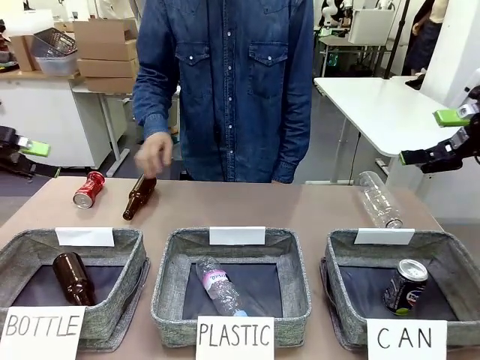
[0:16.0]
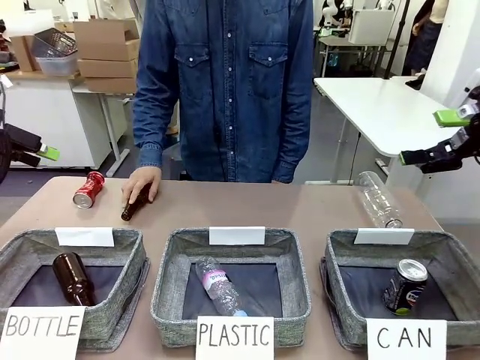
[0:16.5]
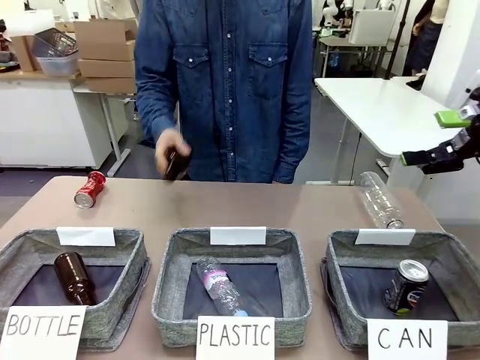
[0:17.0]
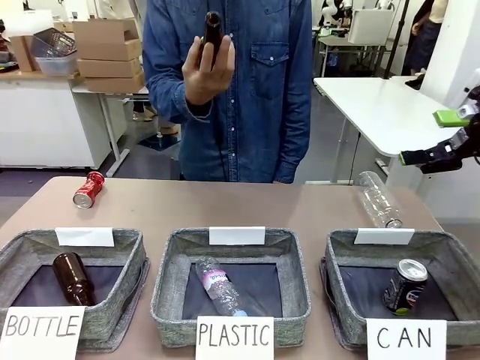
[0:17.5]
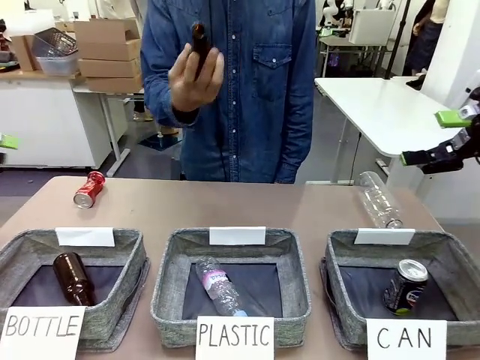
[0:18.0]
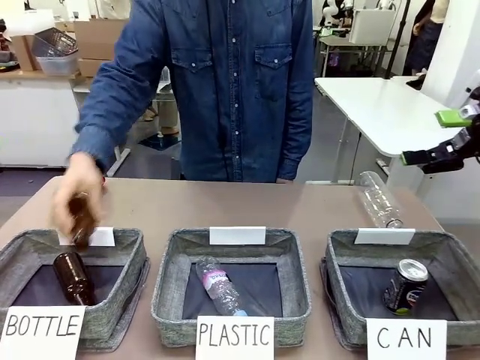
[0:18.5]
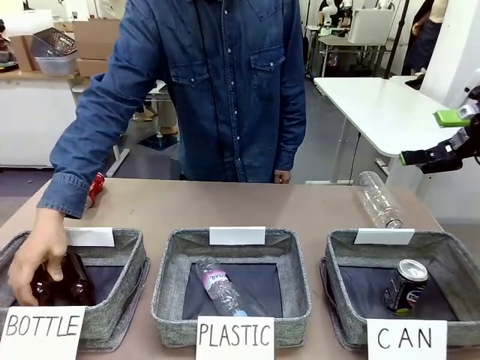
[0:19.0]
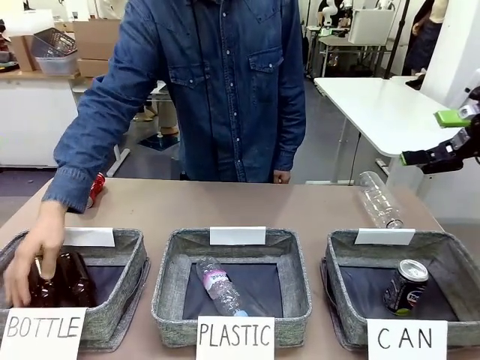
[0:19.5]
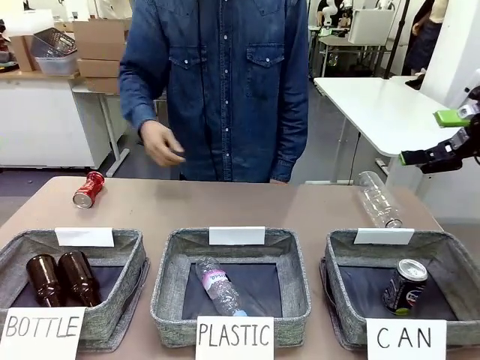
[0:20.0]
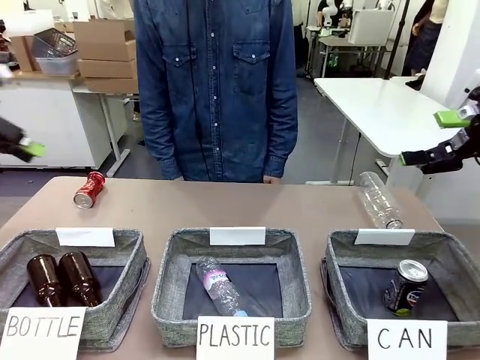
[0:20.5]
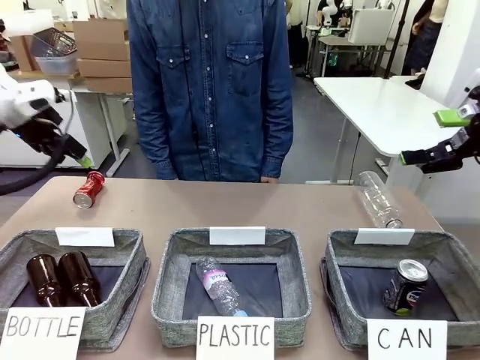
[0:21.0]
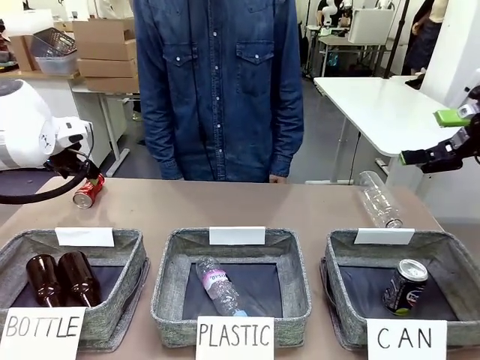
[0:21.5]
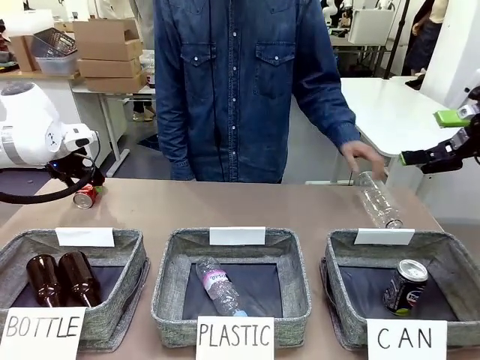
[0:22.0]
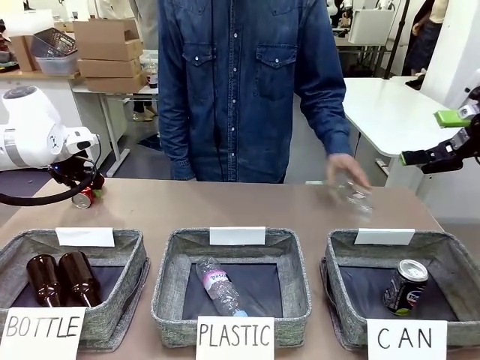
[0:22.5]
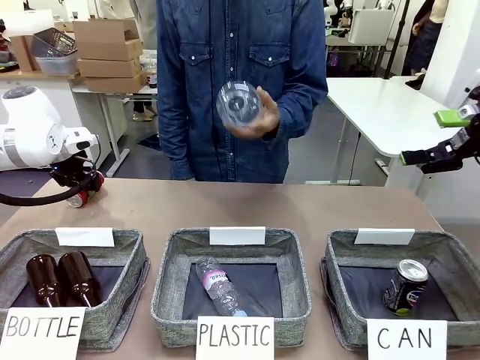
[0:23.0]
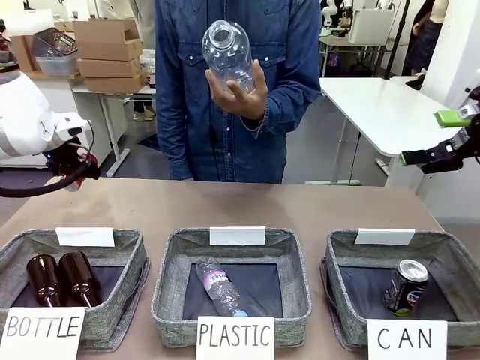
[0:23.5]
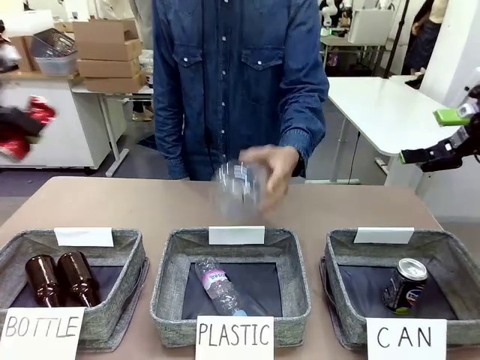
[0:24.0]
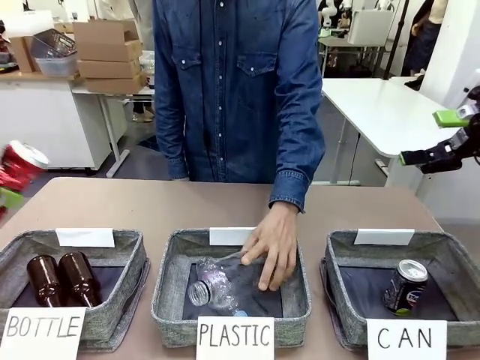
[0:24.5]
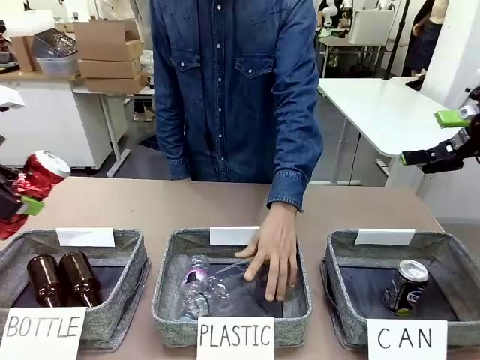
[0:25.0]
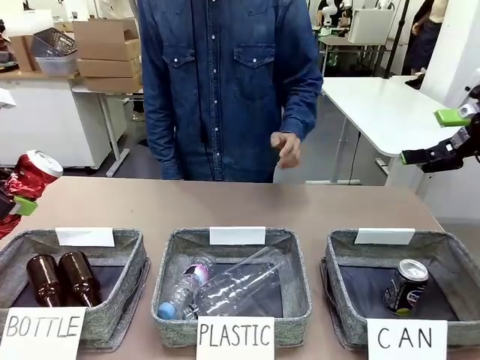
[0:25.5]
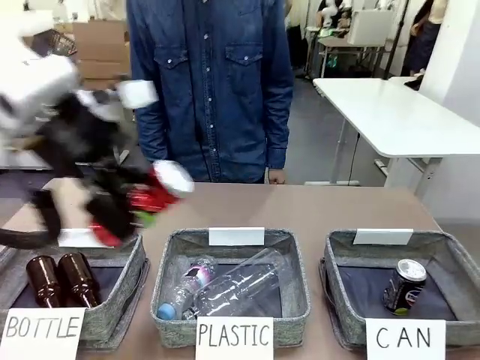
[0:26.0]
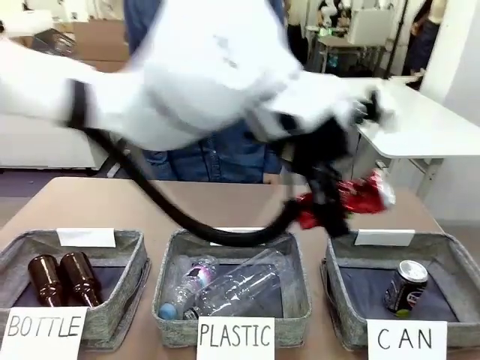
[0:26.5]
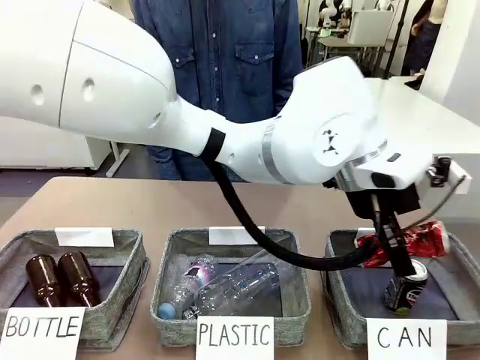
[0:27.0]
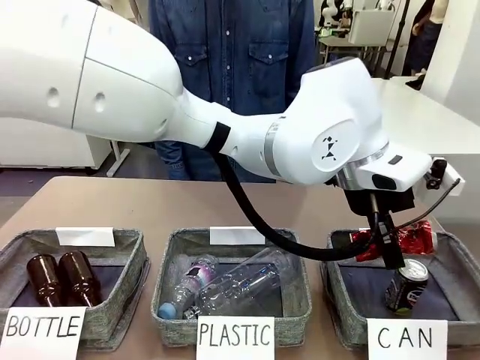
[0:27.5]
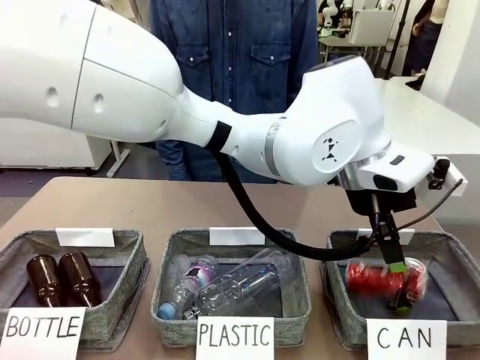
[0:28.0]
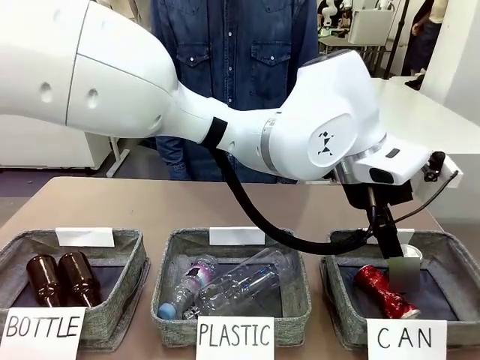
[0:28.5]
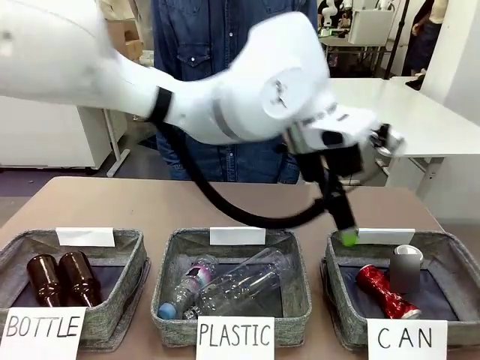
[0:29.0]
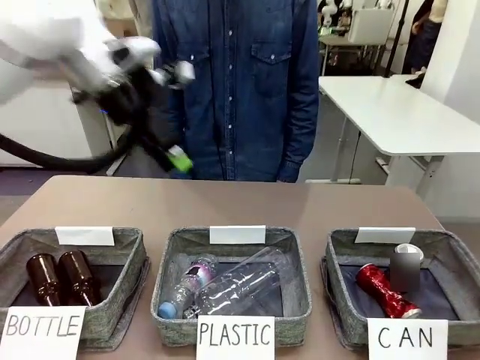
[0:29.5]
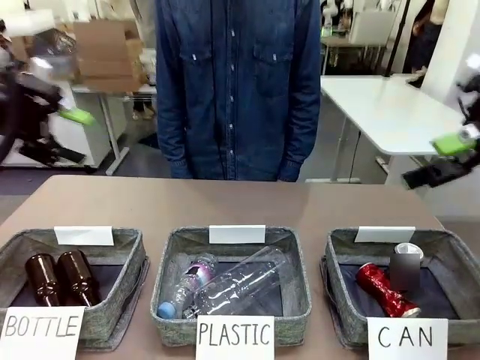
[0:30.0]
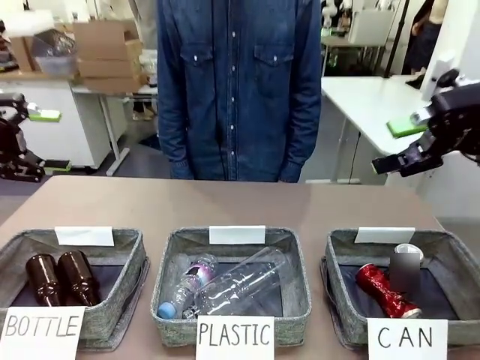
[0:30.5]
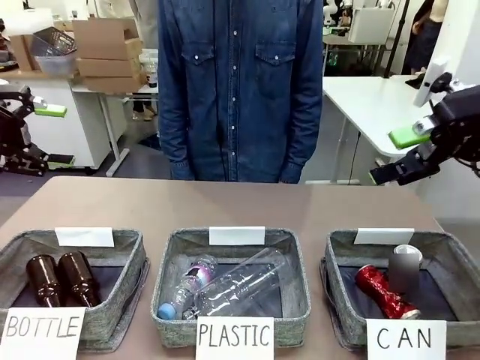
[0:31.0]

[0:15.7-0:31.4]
Task: Sort the can waste into the basket.
Robot: Pick up the can waste from the table and place it in the right Fabric basket.

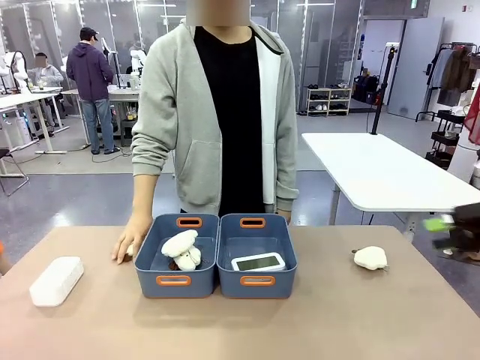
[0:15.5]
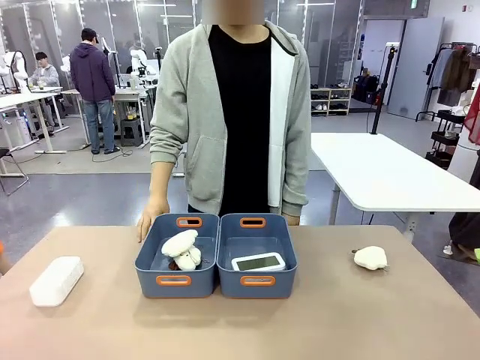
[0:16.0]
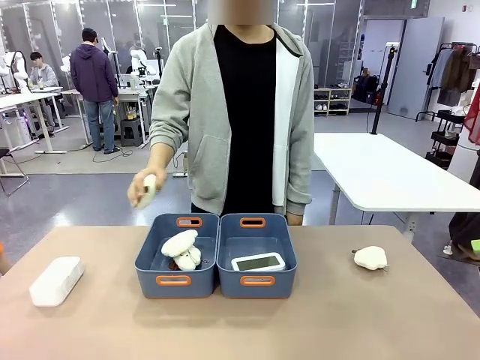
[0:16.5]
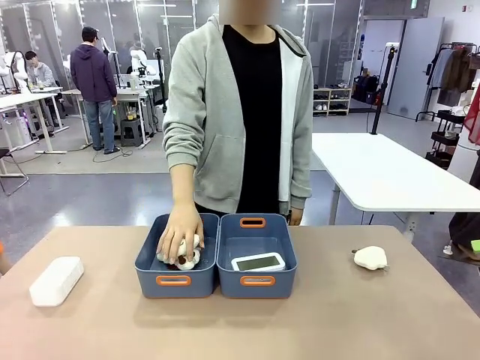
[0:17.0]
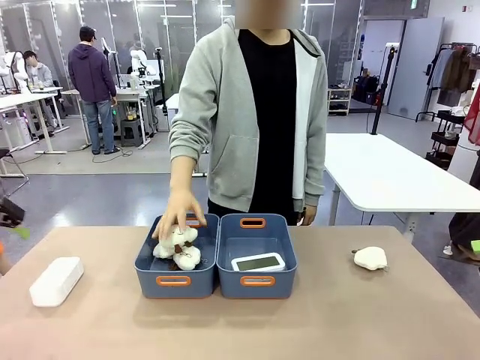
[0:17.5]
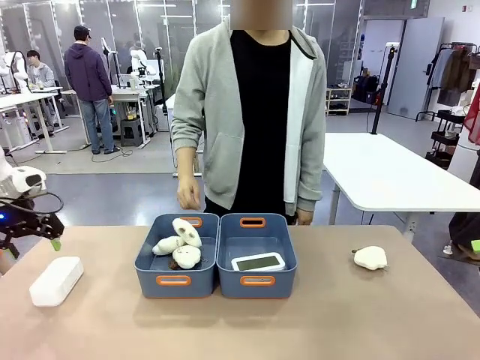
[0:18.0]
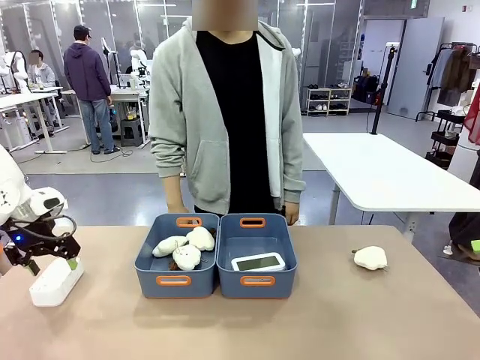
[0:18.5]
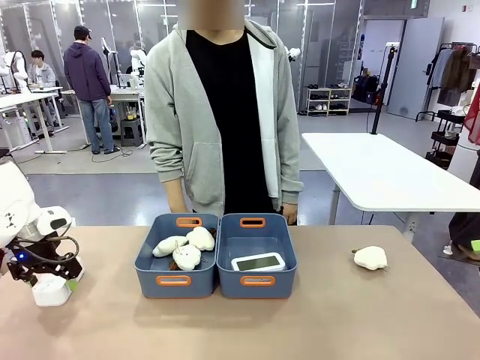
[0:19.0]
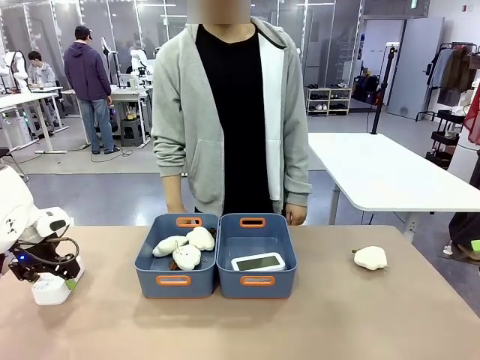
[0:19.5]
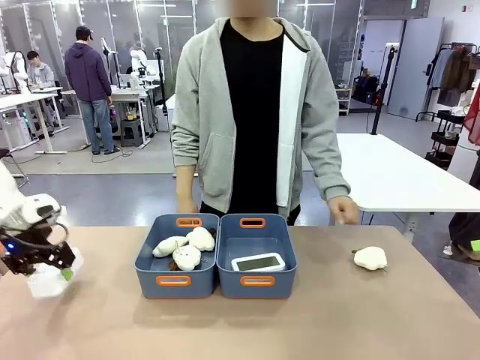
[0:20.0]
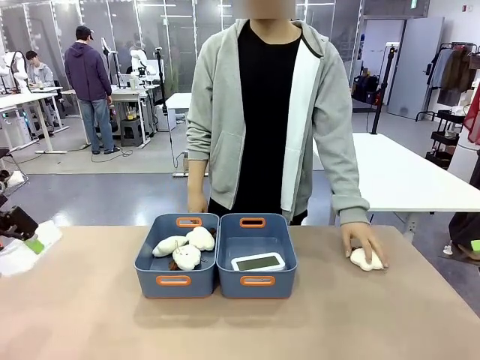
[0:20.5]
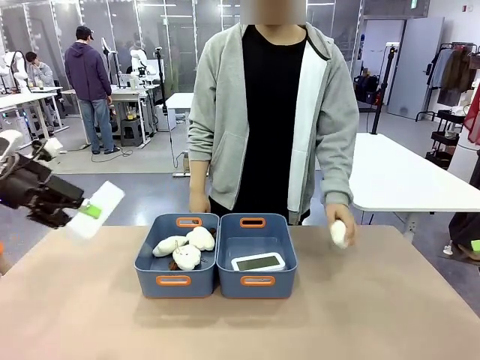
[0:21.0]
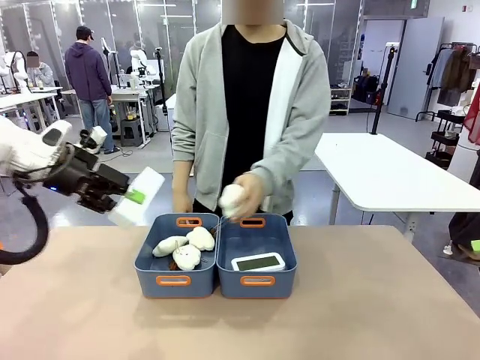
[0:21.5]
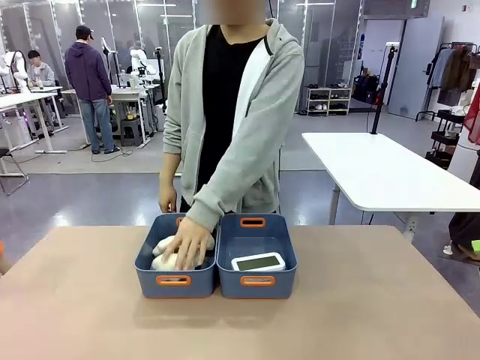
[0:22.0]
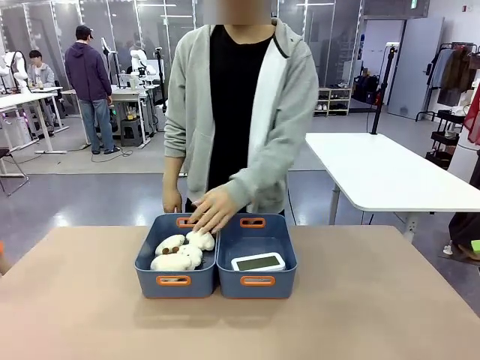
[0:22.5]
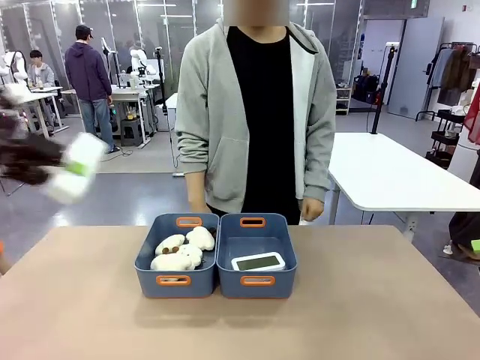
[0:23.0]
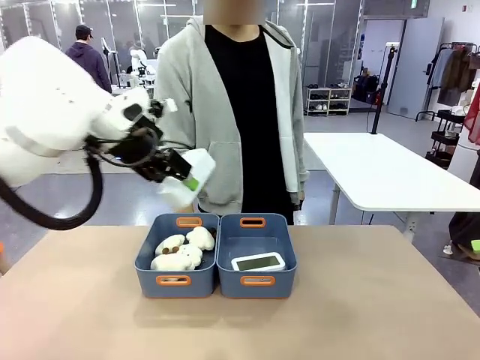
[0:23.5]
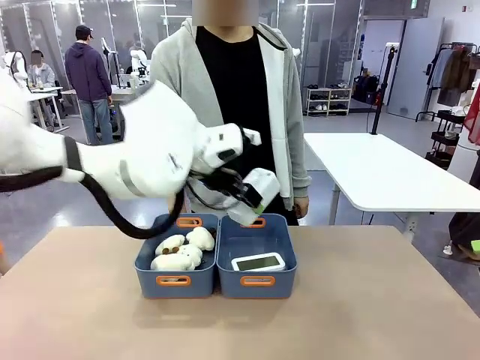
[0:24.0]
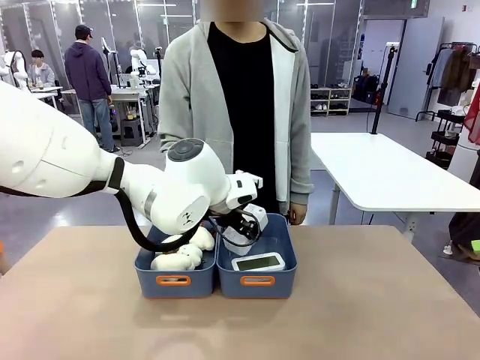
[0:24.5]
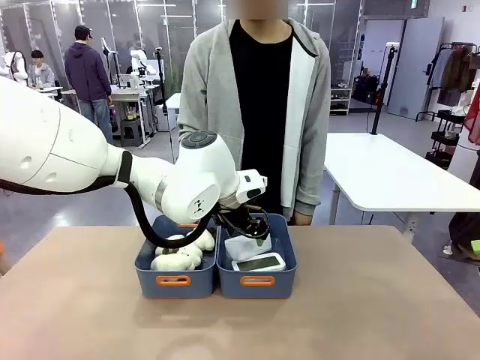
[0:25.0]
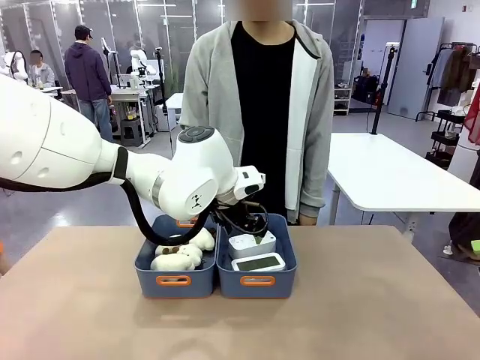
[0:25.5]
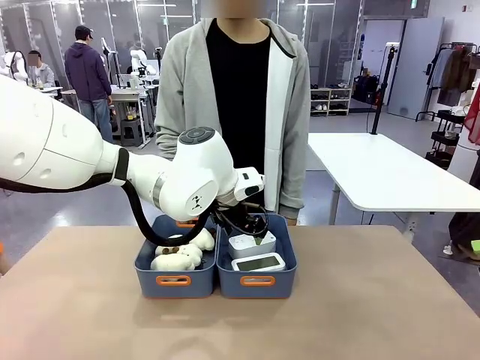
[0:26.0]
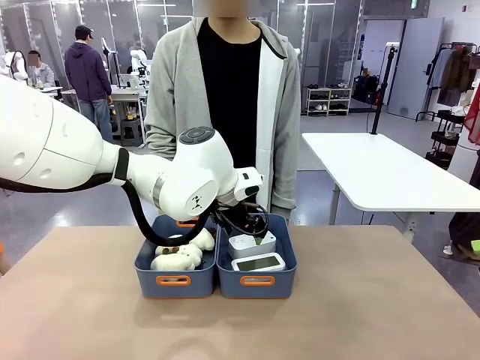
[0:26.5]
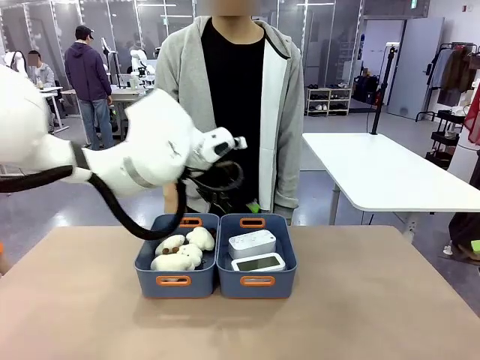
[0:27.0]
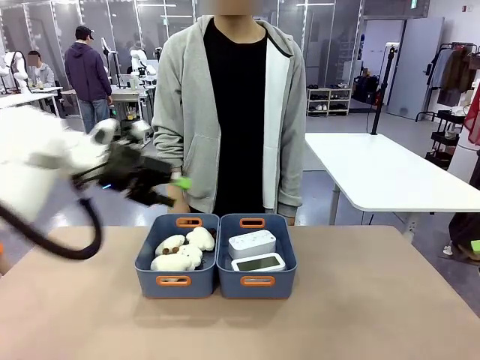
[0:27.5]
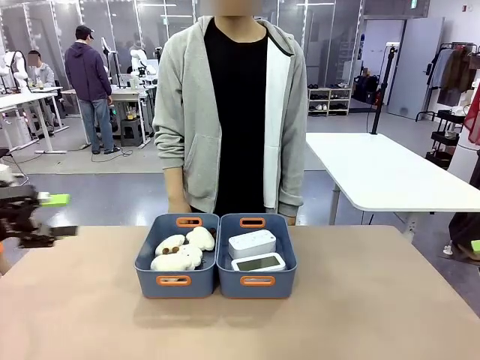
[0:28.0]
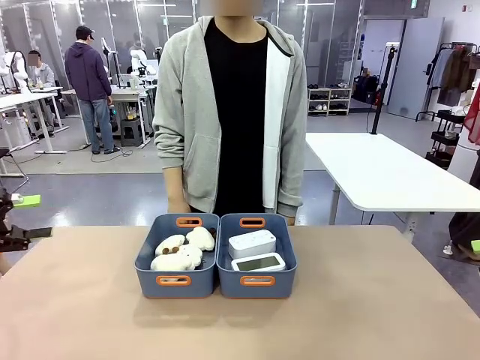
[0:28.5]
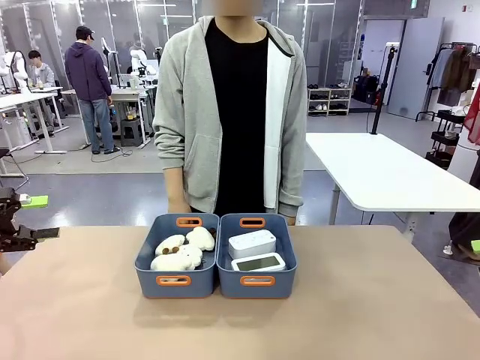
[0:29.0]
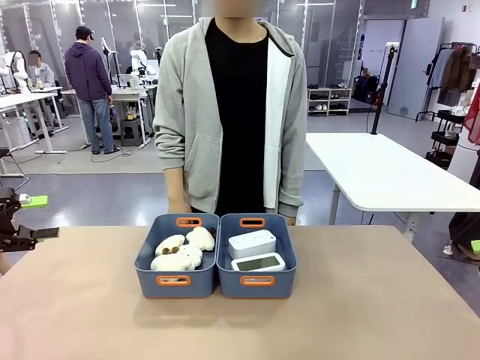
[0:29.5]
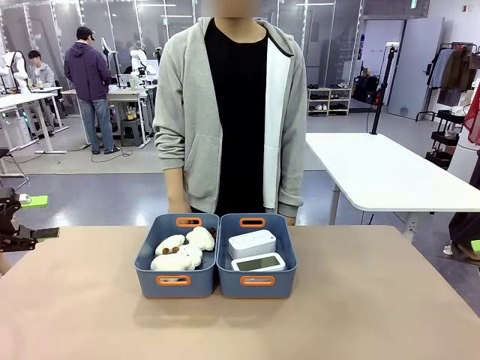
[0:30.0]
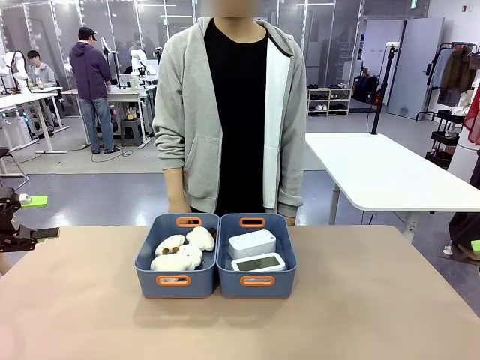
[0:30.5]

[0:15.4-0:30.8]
Task: Sort the digital clocks into the basket.
Robot: Pick up the Digital clock from the table and place it into the empty Plastic storage basket.
Person: Pick up a plush toy from the table and place it in the plastic storage basket containing the plush toy.
